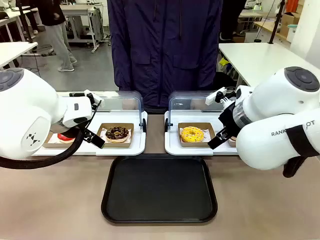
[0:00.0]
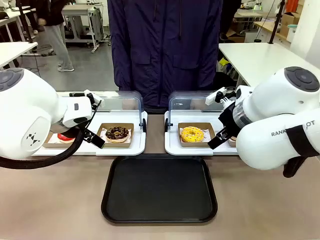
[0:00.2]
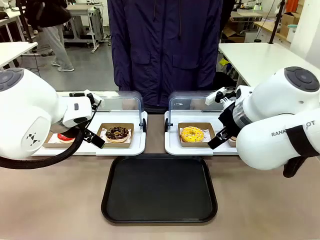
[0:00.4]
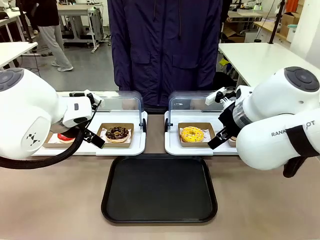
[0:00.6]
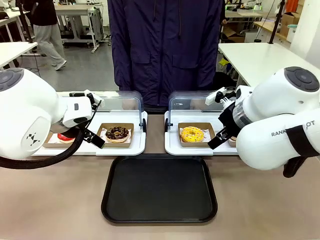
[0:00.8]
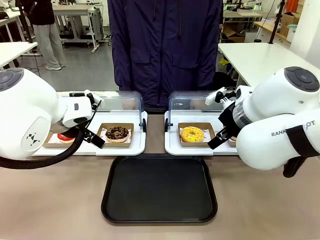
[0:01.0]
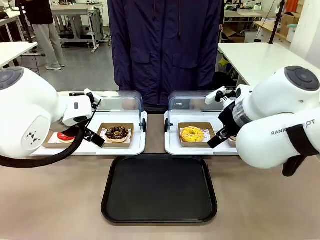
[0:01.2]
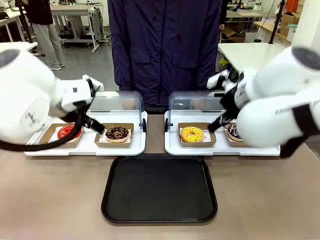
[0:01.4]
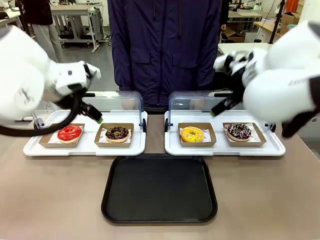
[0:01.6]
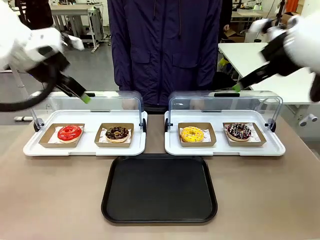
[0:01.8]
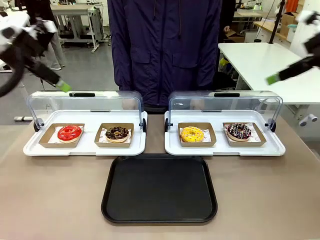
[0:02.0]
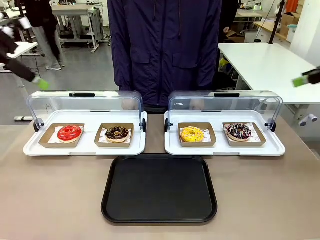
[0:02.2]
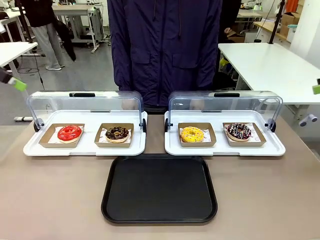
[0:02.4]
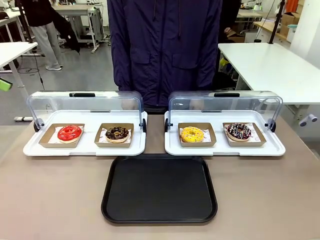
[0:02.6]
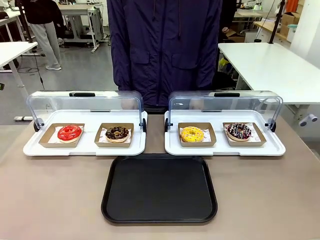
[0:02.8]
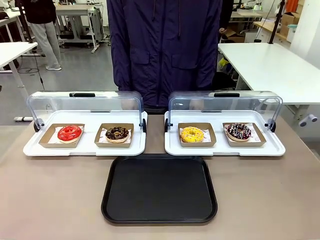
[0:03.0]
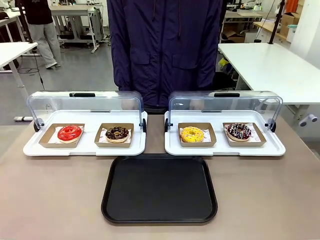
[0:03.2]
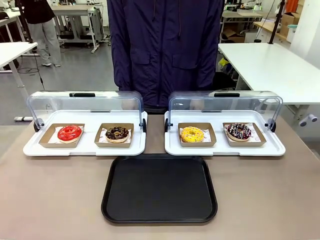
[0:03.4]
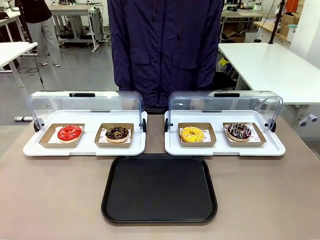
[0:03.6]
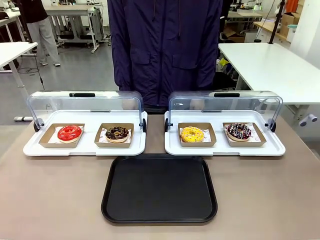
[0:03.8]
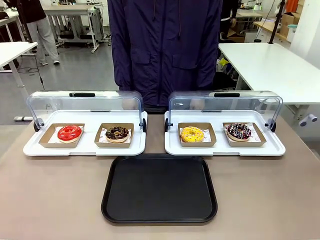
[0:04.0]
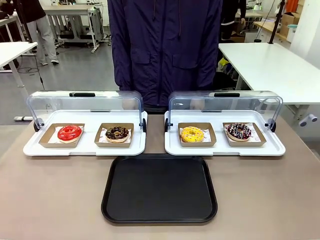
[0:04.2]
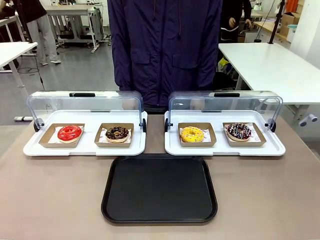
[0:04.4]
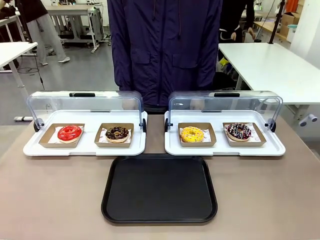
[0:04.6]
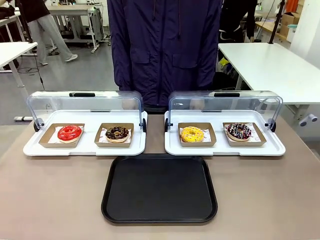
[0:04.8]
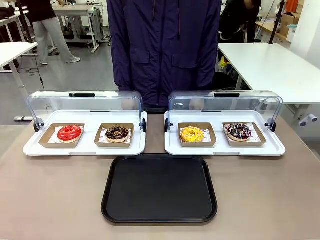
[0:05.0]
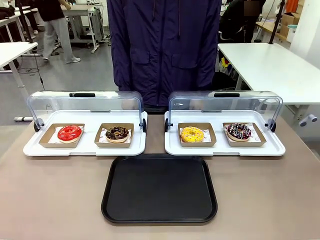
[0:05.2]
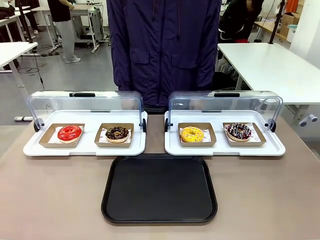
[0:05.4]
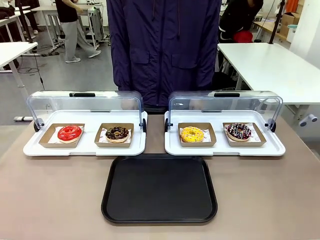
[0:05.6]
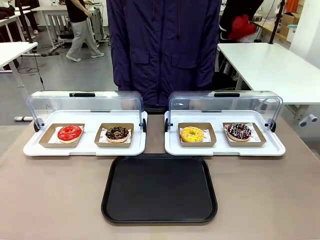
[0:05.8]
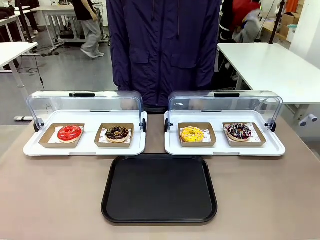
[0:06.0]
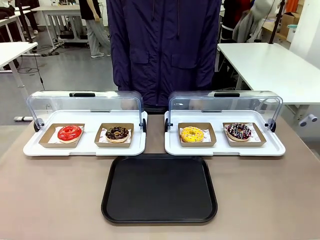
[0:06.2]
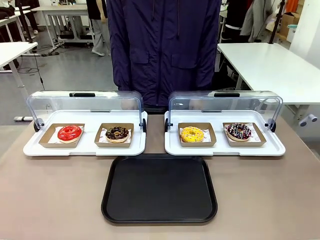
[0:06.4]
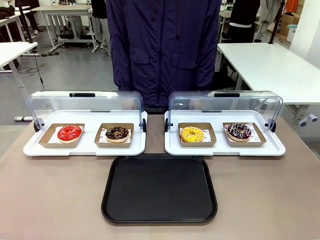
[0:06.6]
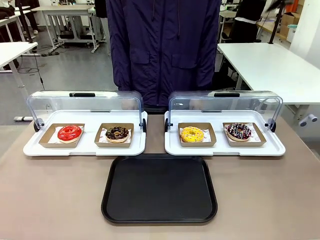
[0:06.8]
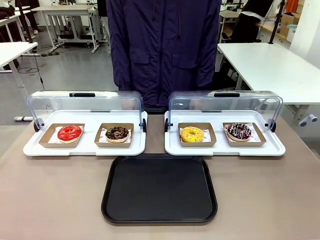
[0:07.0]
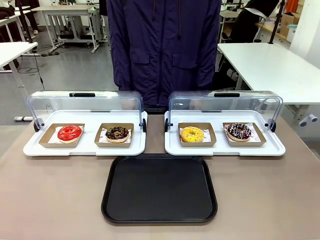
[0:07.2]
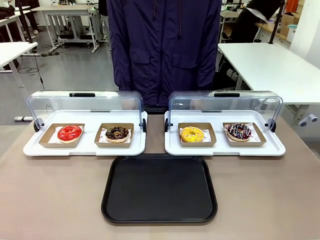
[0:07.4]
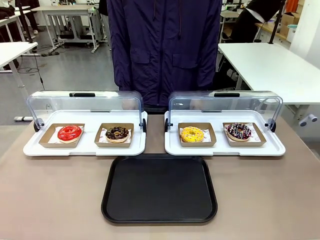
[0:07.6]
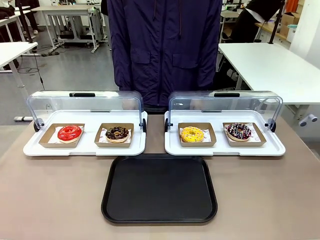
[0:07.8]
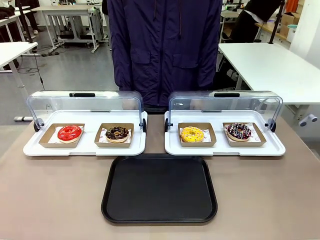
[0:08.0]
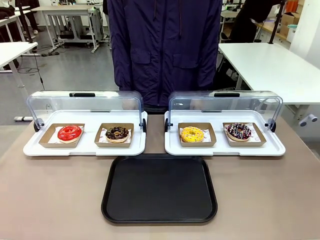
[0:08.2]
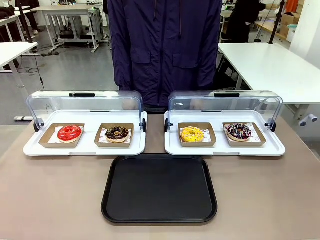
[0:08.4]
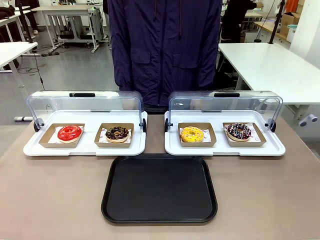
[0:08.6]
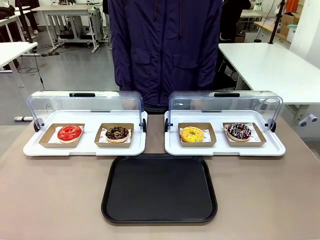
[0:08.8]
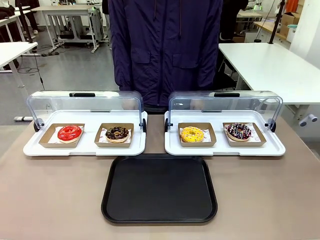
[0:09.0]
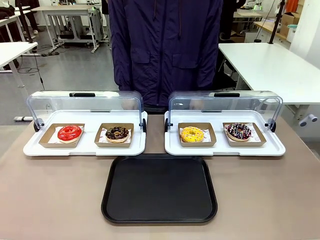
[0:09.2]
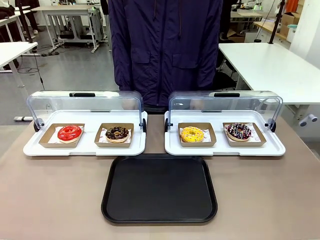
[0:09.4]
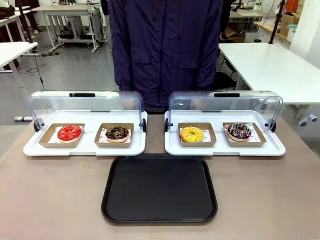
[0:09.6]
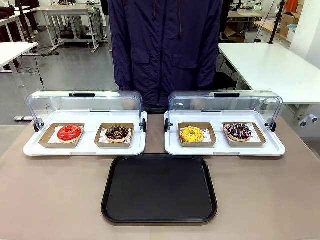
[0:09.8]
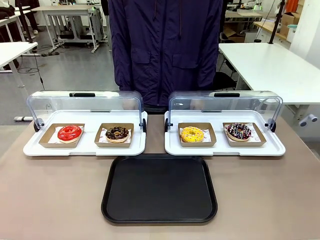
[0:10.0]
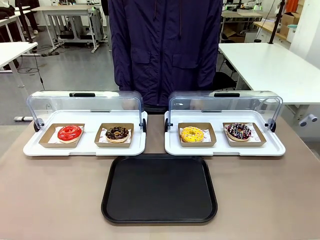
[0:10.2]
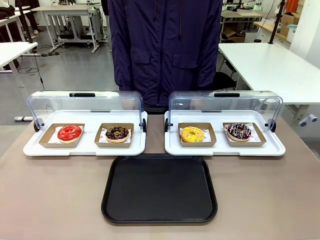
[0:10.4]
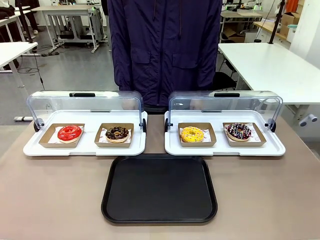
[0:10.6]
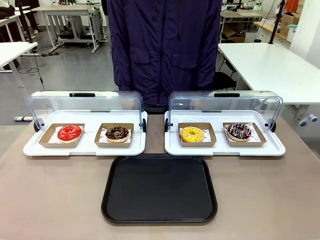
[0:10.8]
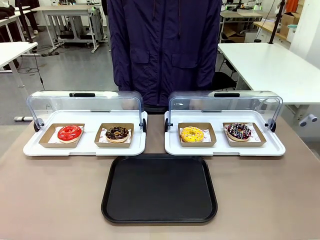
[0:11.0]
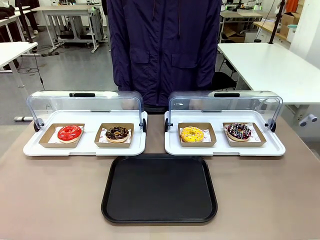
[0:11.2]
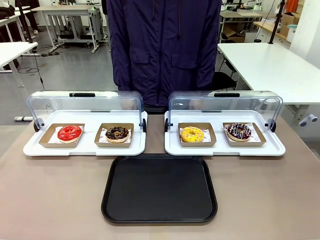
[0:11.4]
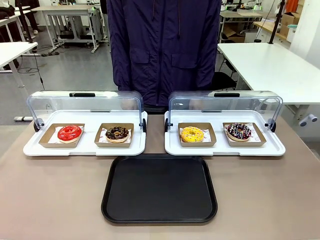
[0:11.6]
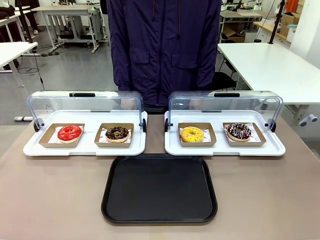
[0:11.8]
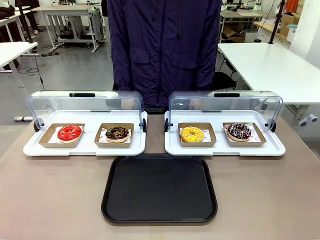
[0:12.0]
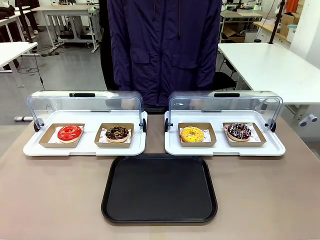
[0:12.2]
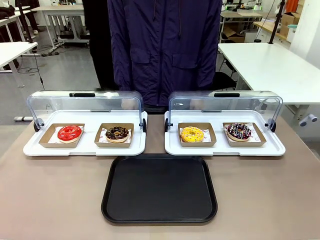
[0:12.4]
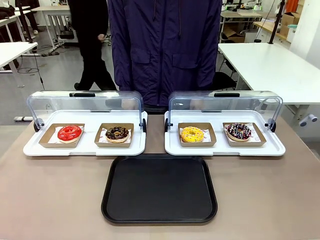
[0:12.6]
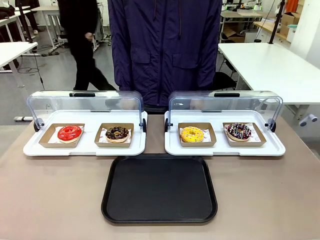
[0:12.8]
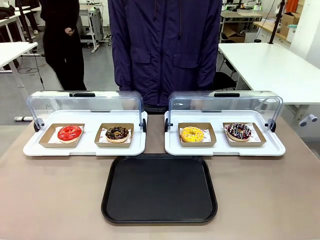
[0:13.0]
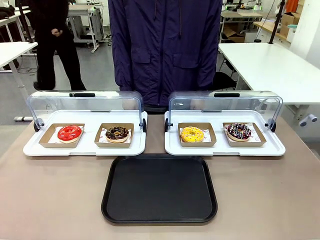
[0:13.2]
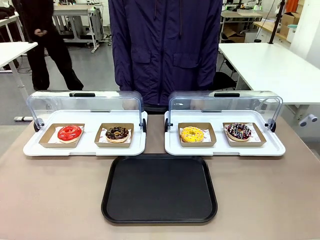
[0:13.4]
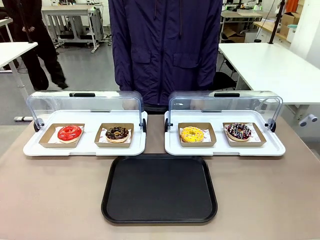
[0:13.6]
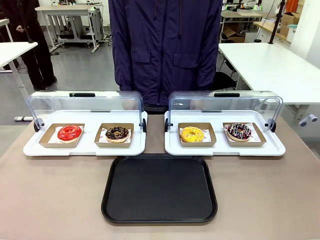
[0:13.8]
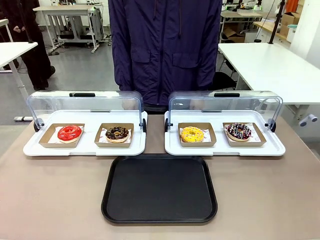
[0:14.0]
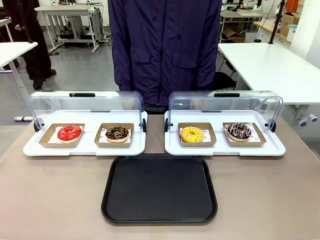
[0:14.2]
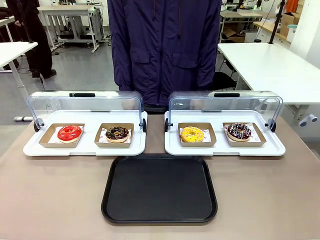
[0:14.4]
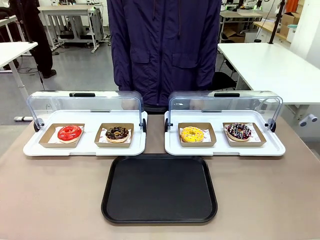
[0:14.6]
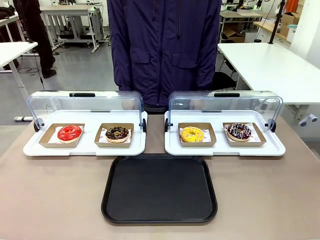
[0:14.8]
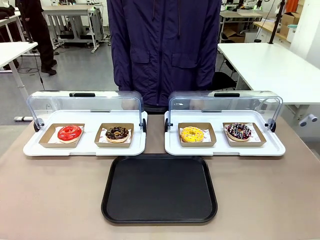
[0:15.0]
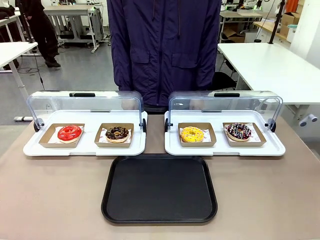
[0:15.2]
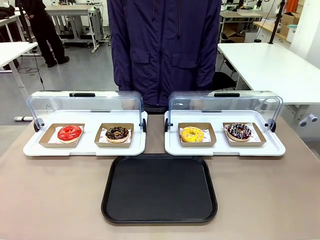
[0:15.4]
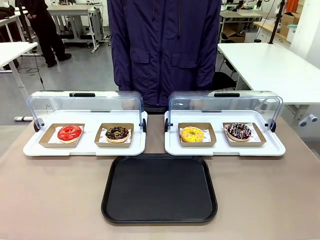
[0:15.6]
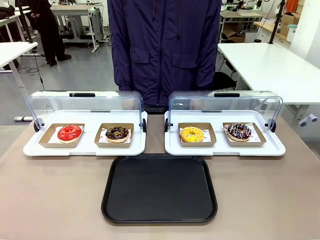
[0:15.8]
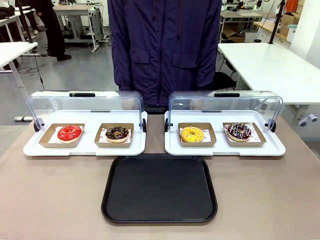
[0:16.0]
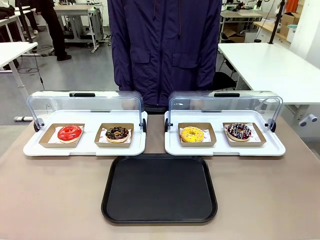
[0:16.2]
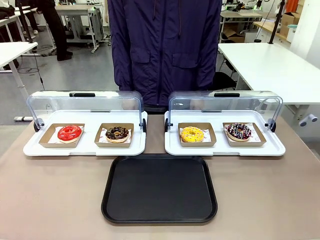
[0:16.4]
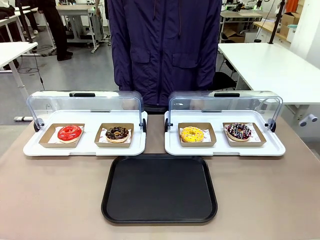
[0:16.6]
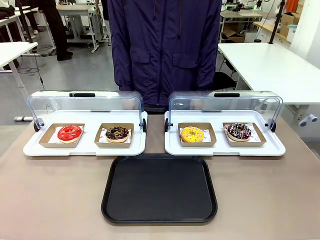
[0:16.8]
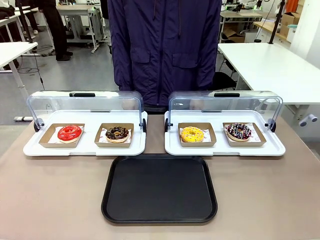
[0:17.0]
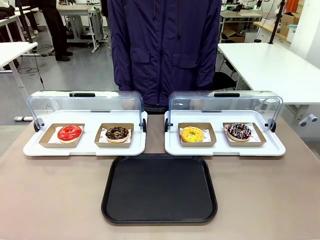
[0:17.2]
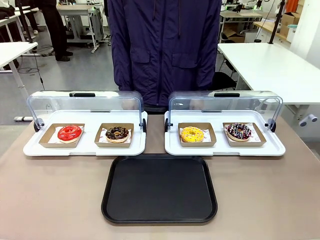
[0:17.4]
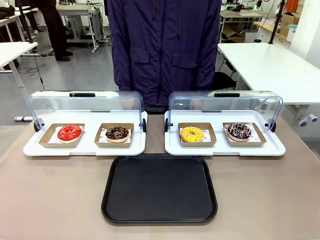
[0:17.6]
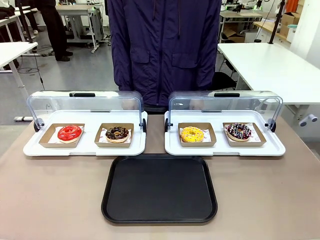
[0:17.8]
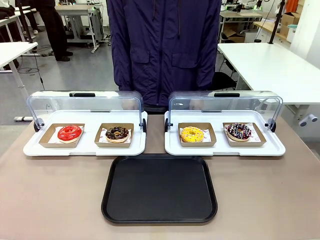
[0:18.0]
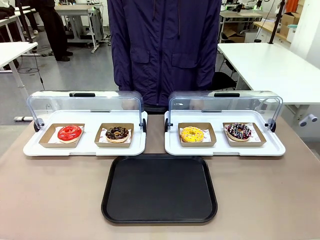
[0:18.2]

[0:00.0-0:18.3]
Task: Move the fourth donut from the left to the tray.
Robot: Pick up the Paper togo box containing the Donut indicated by the person and place it on the Handle tray.
